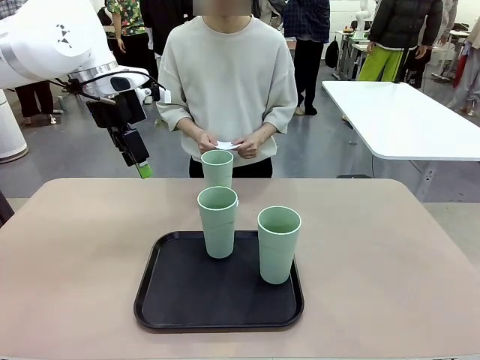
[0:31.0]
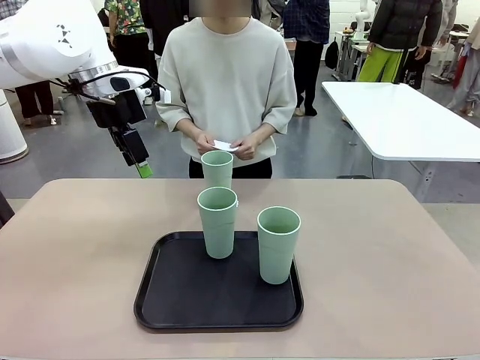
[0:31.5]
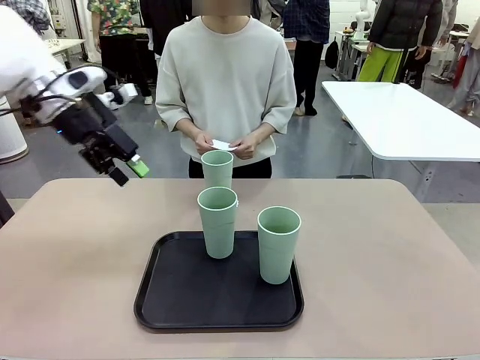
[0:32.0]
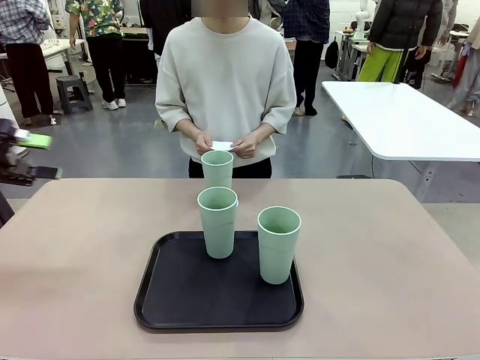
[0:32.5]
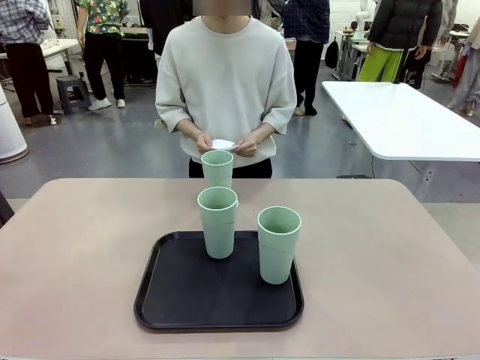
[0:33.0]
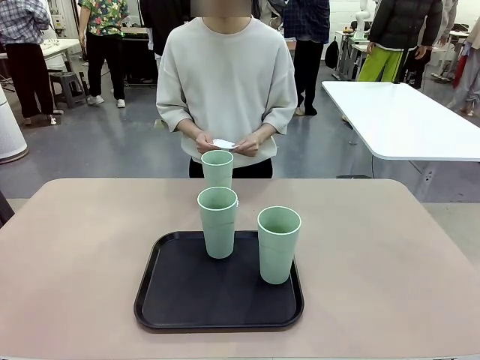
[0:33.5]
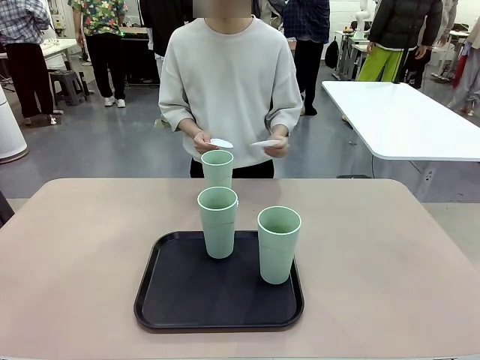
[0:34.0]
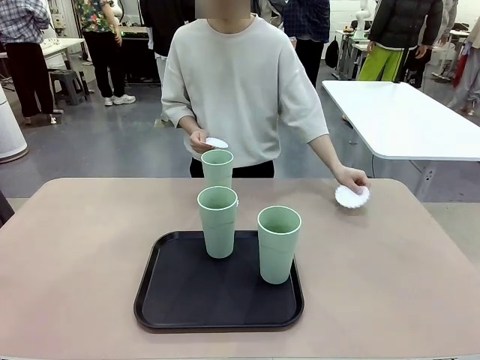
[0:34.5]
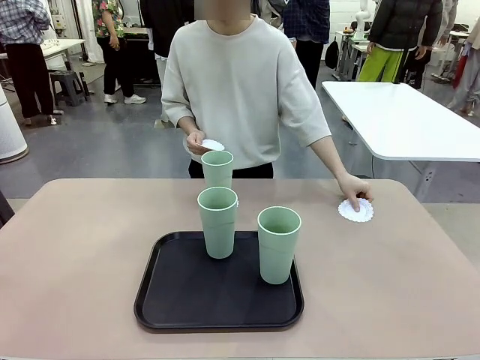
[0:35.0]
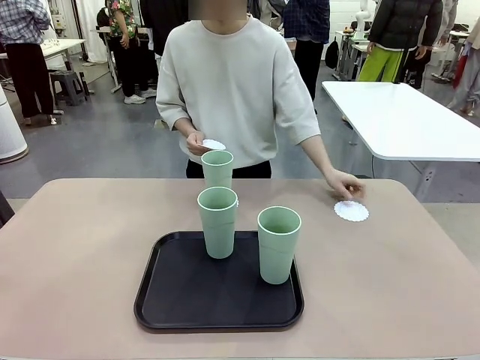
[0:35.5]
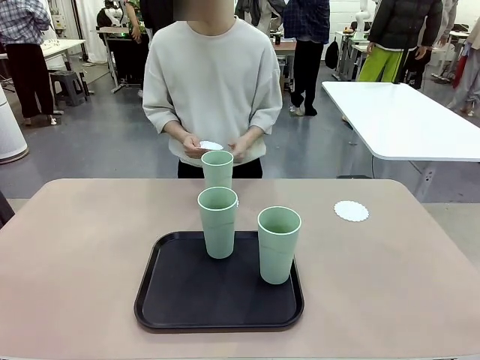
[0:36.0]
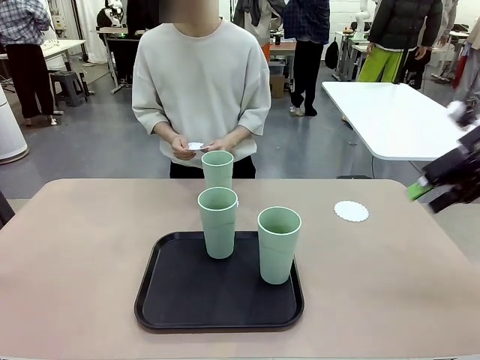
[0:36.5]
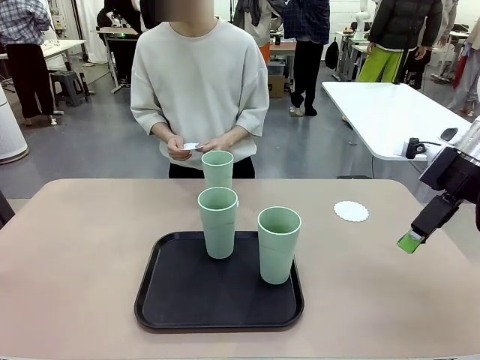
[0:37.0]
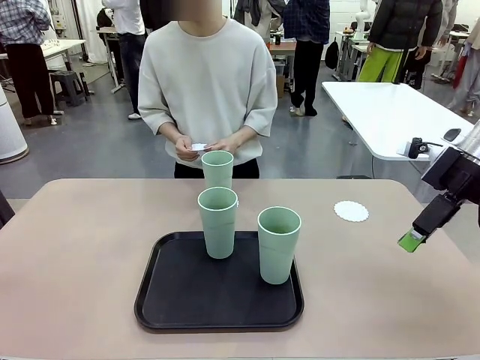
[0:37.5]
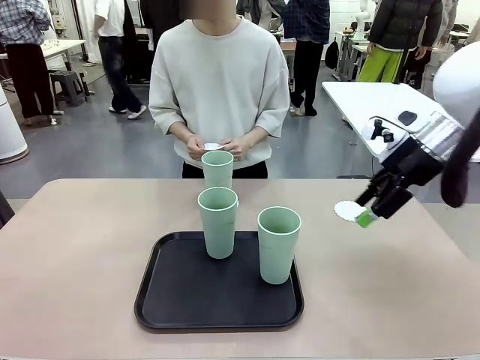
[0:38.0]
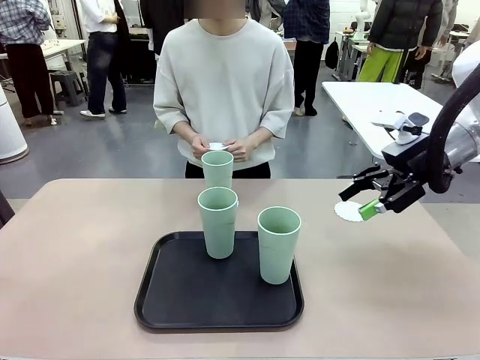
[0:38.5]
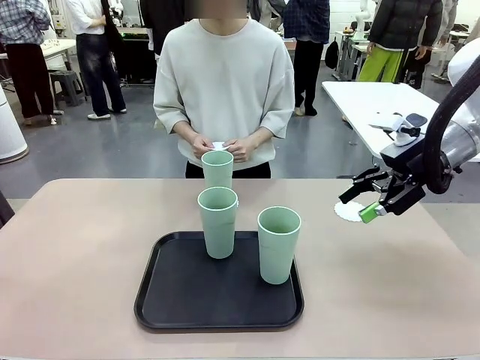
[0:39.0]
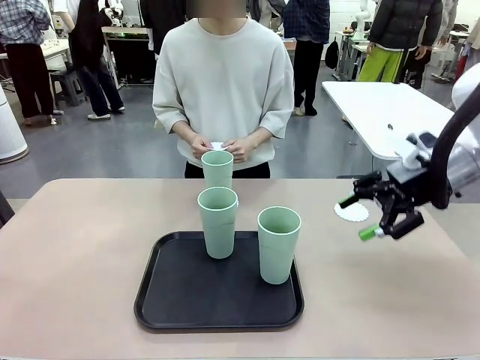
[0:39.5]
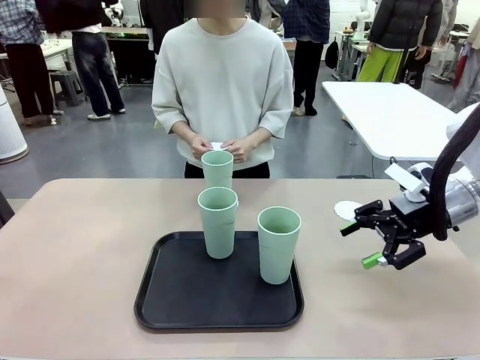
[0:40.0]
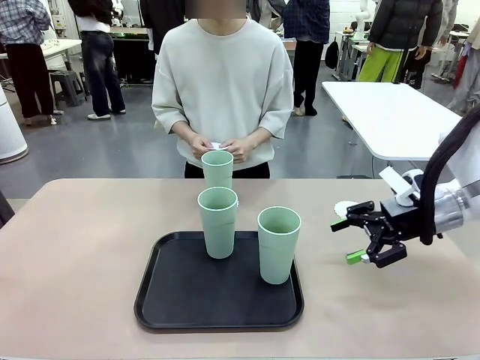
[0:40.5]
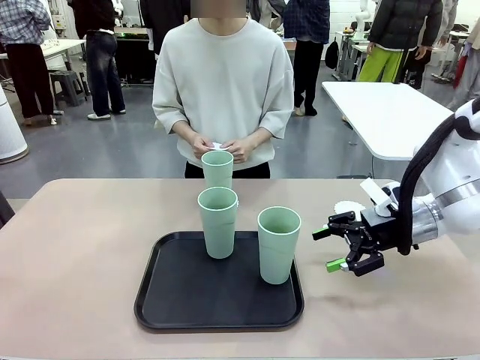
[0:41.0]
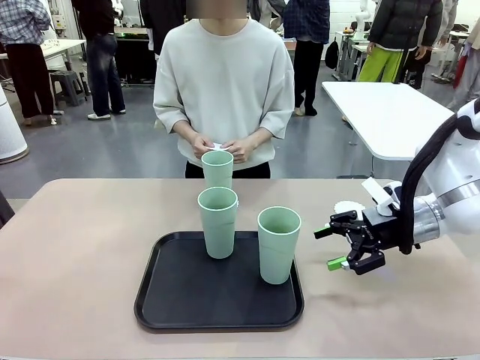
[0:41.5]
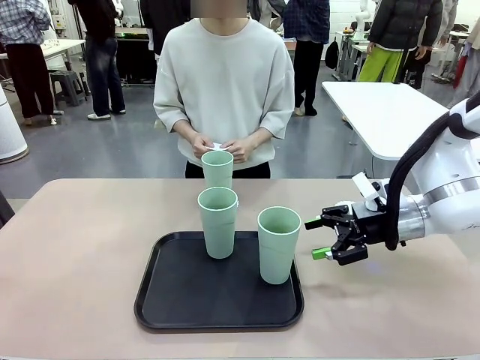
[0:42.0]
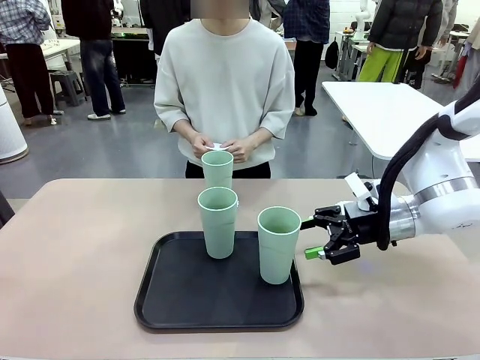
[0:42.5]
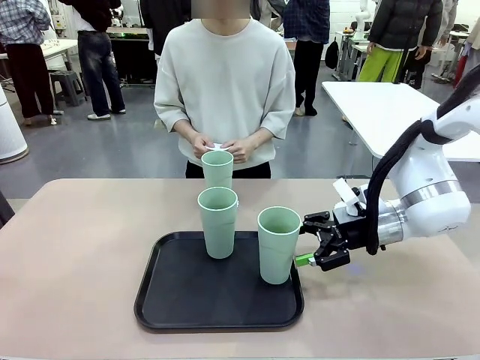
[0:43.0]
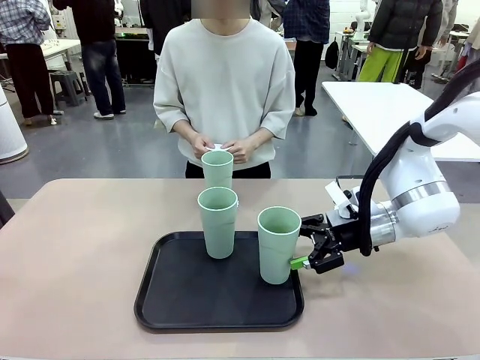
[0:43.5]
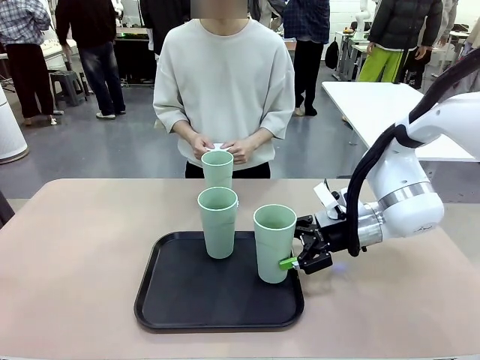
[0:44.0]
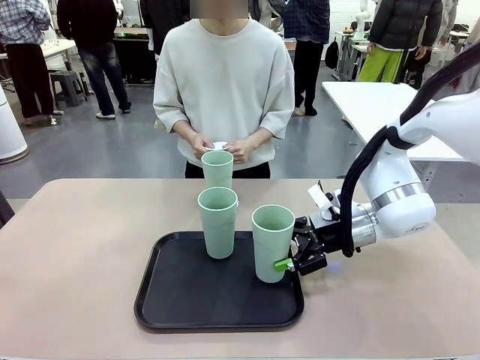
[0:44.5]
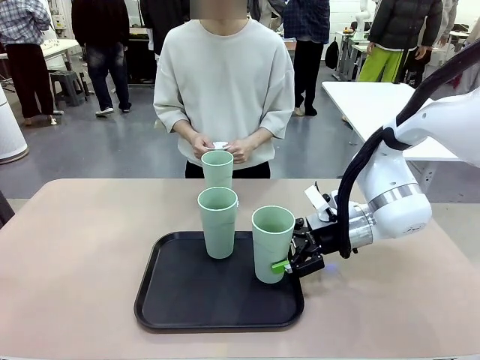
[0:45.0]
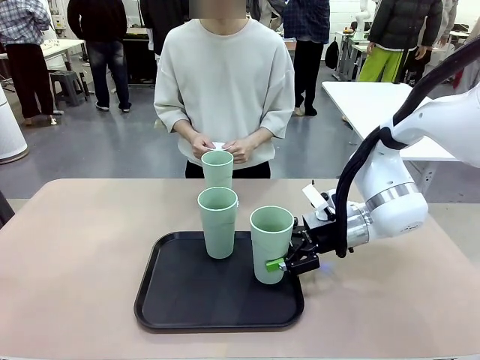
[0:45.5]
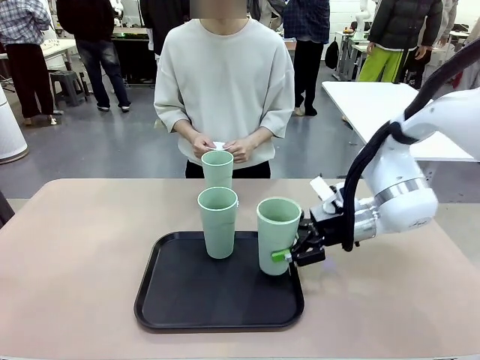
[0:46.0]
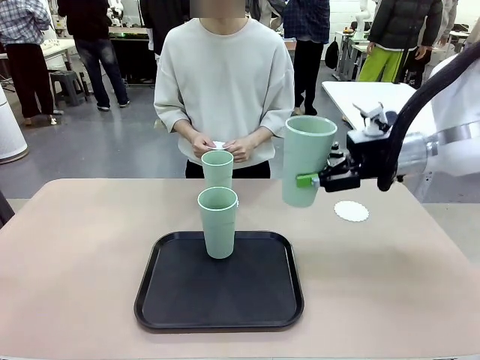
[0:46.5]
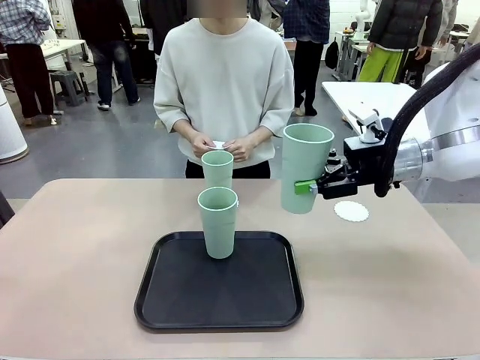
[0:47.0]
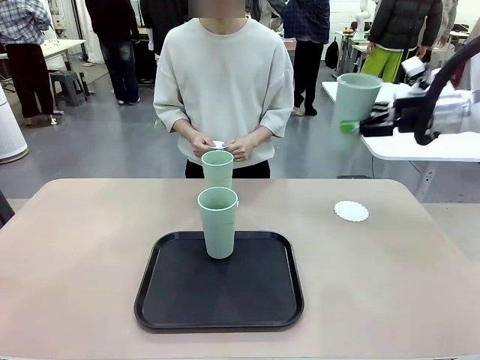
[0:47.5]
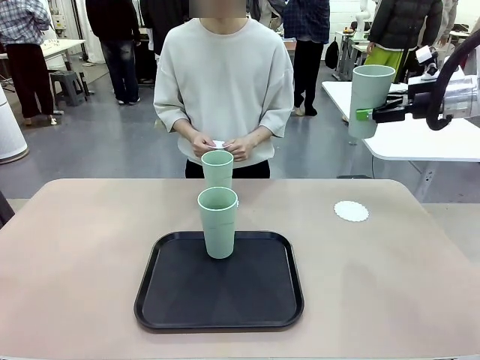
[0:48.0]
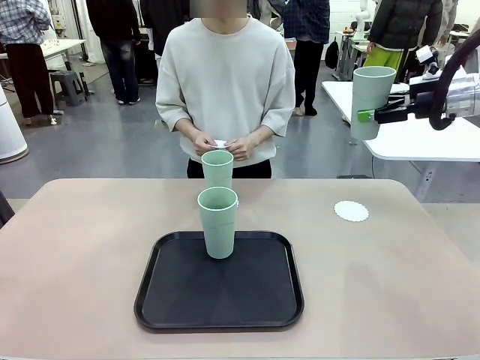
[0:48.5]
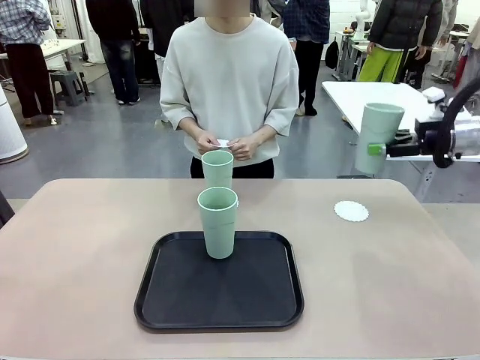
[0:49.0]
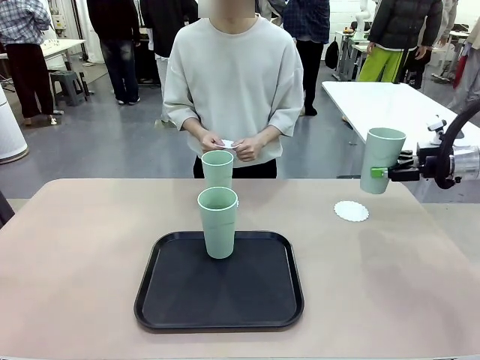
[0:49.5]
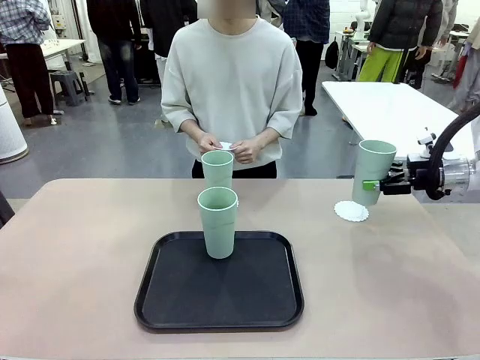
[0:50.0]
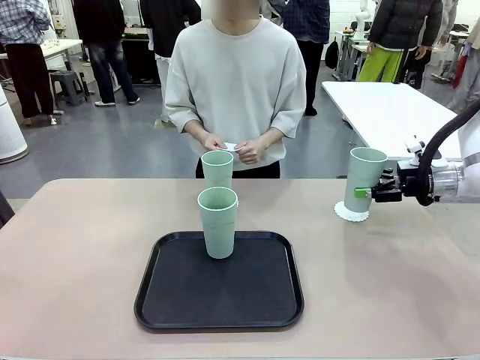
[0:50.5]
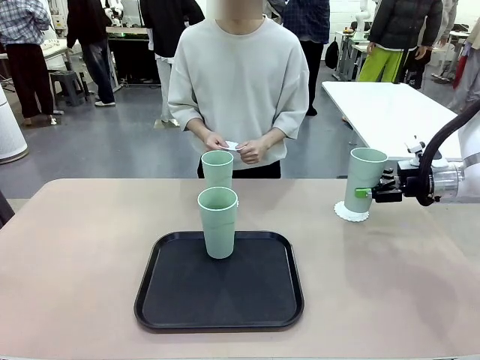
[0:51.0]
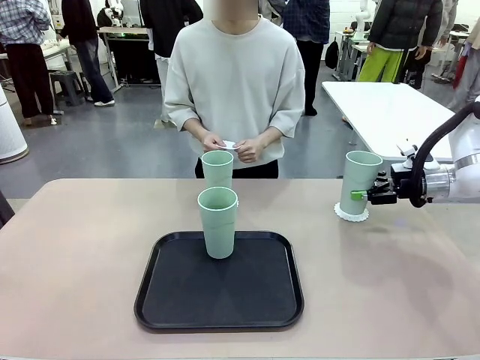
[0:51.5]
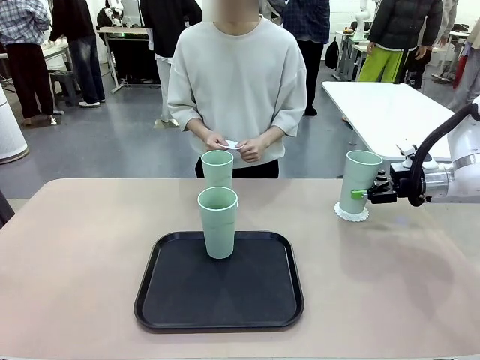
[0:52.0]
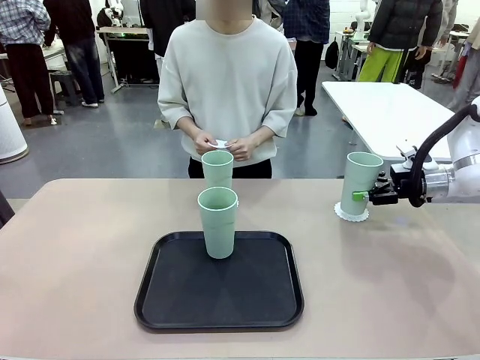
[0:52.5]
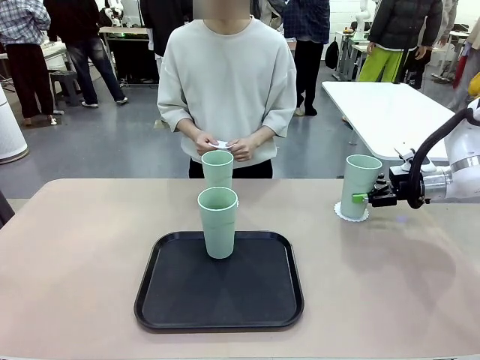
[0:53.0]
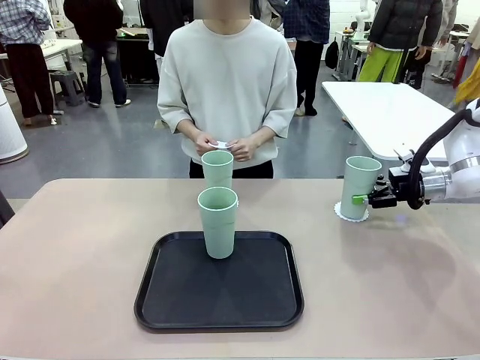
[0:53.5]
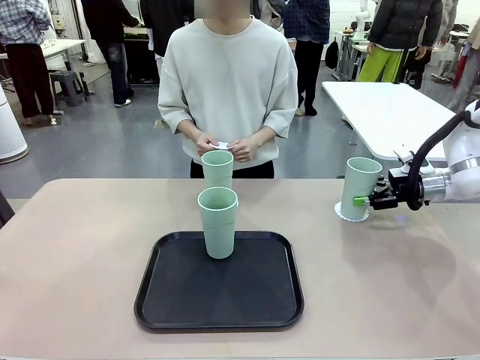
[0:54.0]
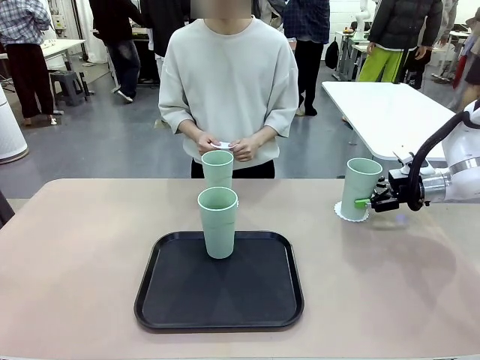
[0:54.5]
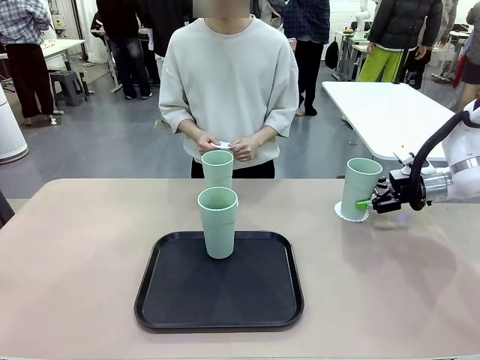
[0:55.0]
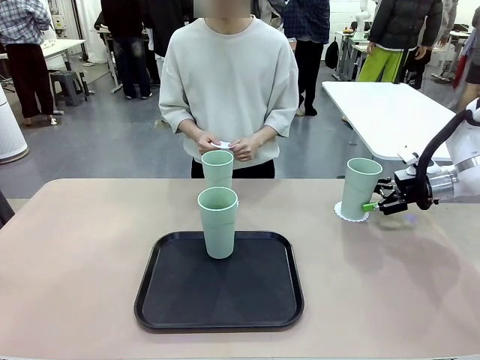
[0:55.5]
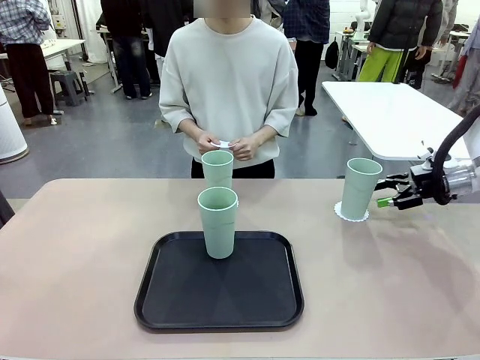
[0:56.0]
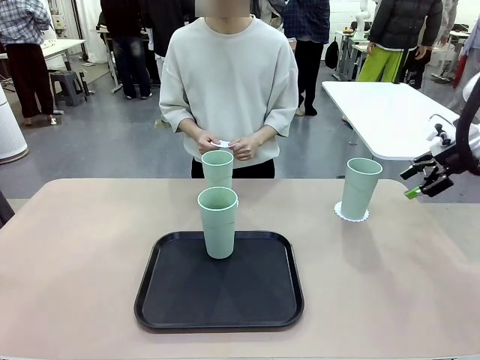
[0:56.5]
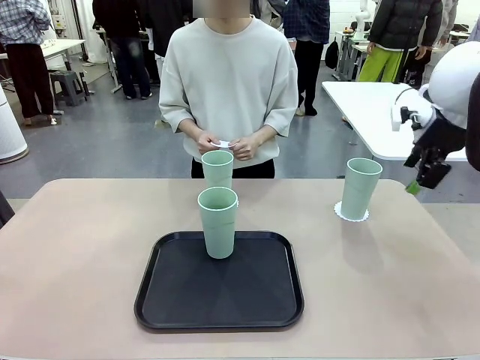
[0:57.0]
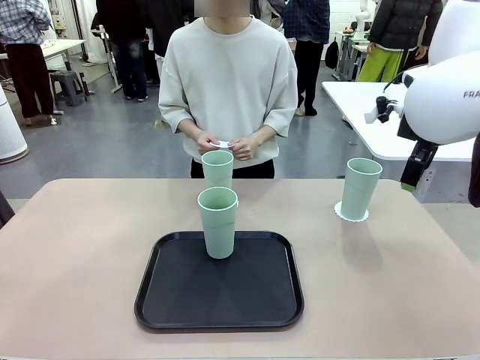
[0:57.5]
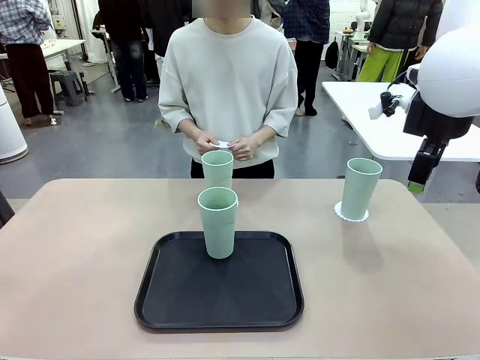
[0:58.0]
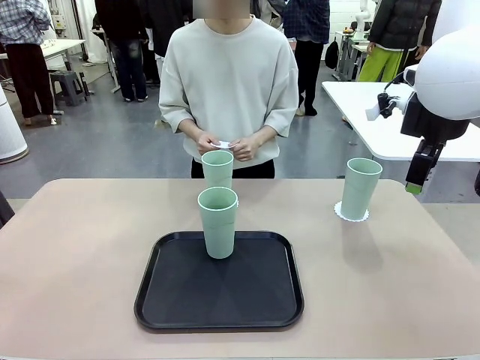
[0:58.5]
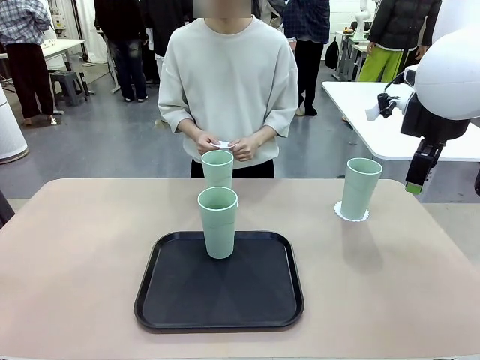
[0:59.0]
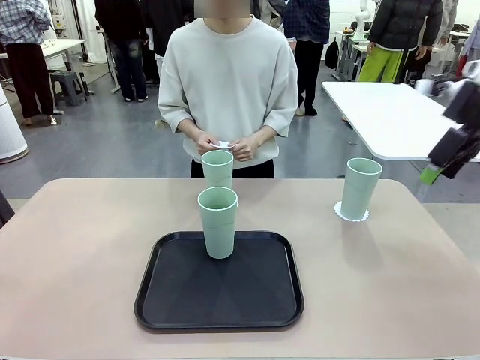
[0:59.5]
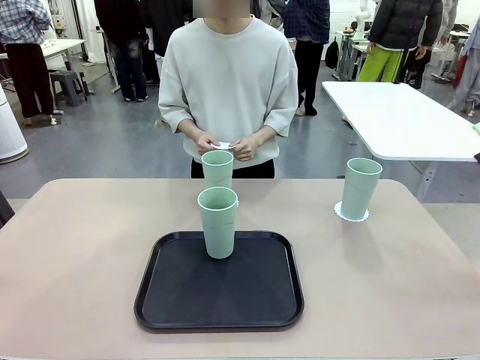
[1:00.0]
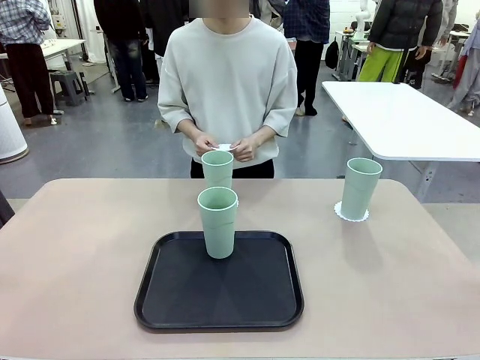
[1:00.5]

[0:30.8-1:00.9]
Task: Place coasters on the table and set cups on them.
Robot: Take one Reusable plastic cup from the Flat Tray and place it on a coaster set by the human.
